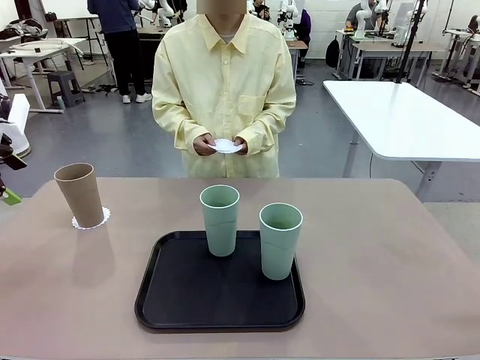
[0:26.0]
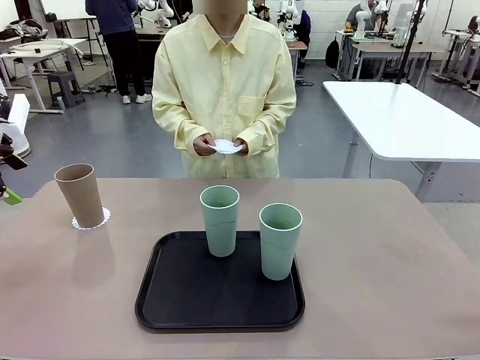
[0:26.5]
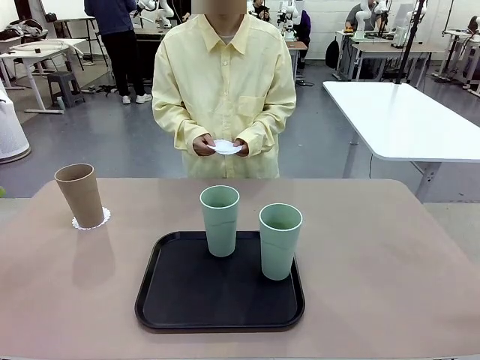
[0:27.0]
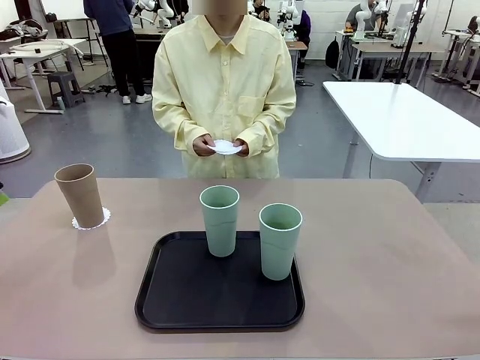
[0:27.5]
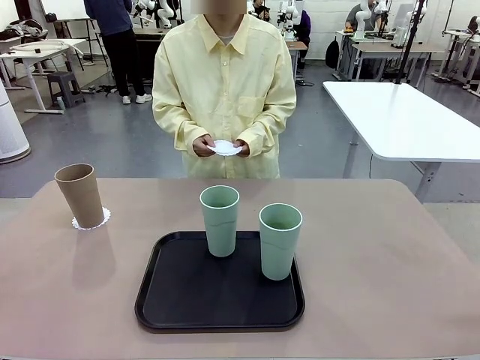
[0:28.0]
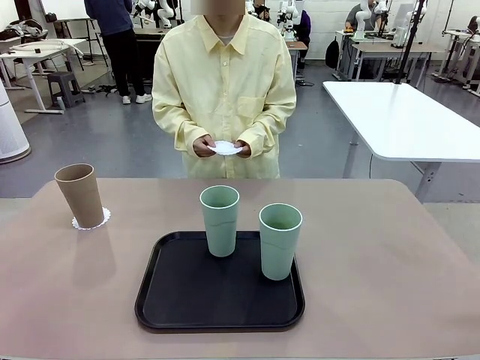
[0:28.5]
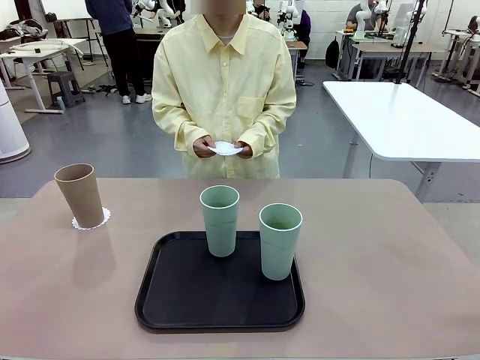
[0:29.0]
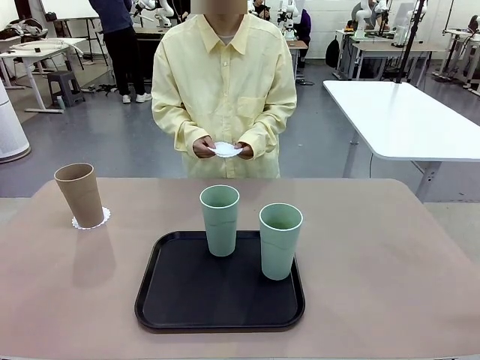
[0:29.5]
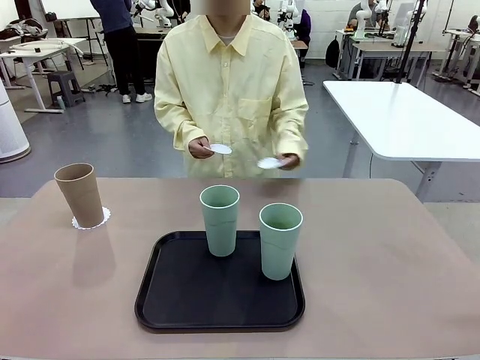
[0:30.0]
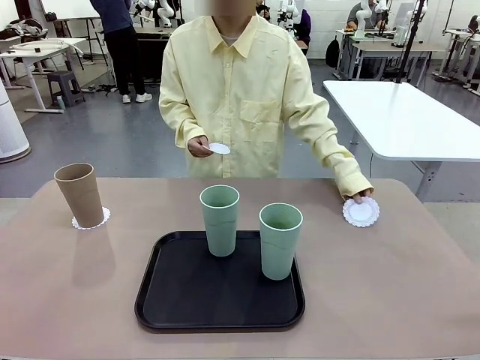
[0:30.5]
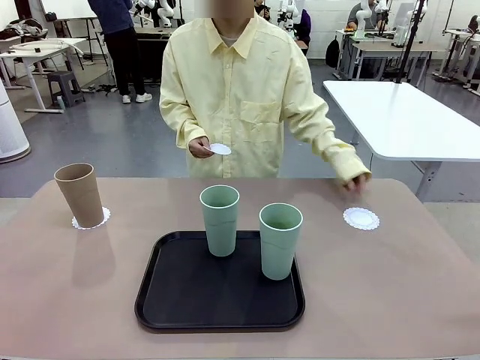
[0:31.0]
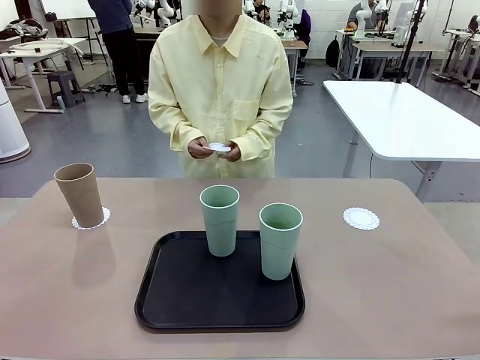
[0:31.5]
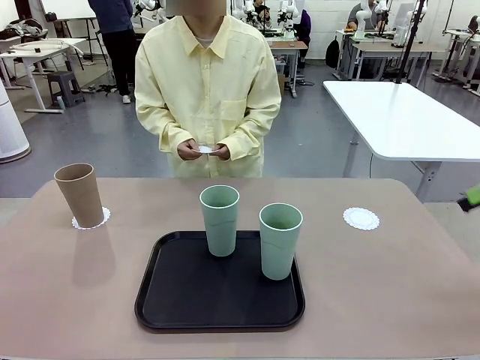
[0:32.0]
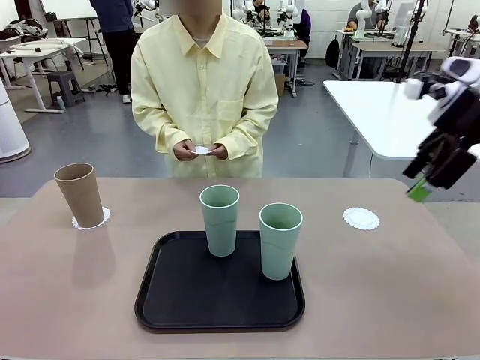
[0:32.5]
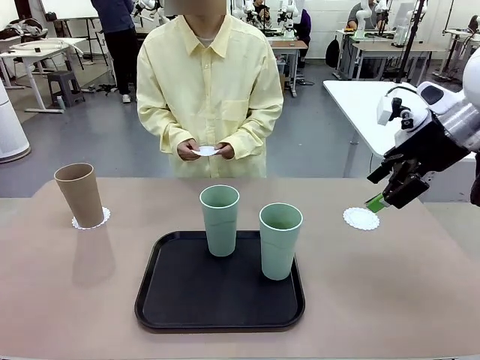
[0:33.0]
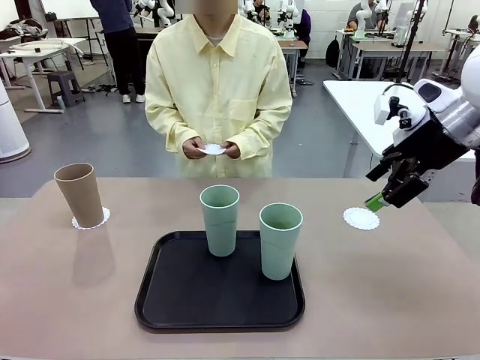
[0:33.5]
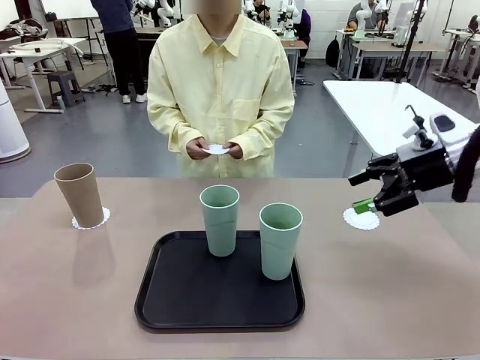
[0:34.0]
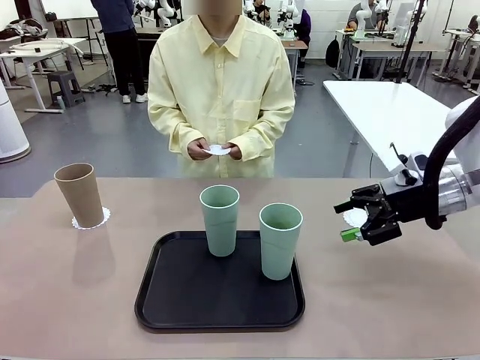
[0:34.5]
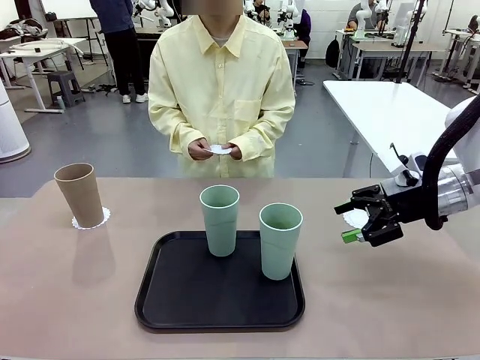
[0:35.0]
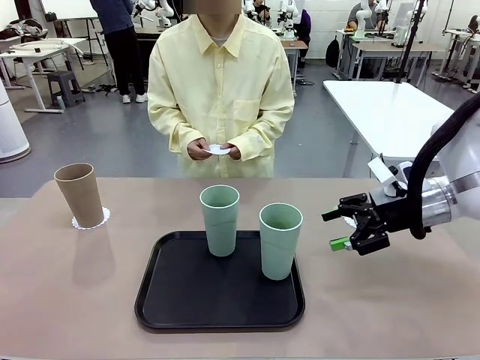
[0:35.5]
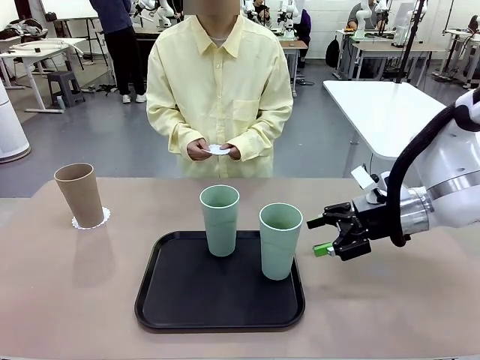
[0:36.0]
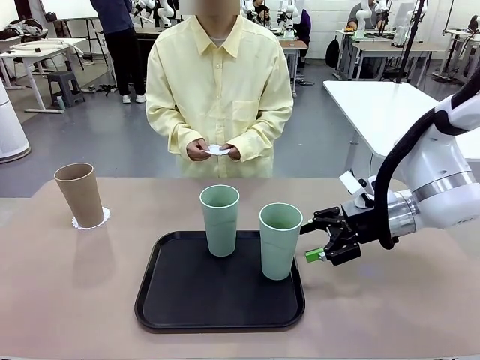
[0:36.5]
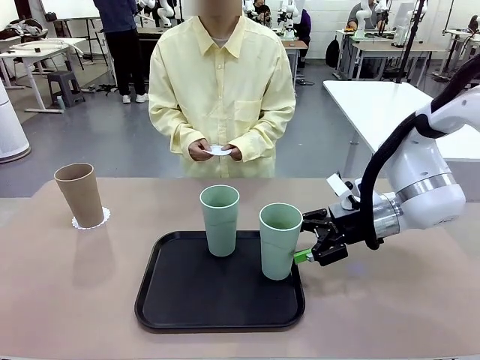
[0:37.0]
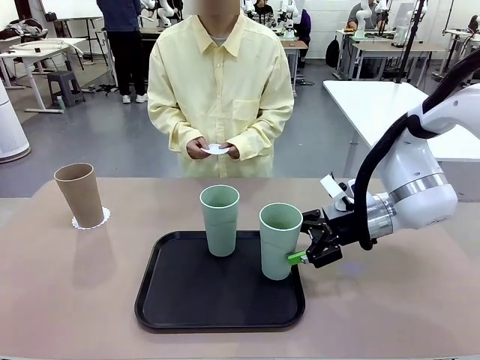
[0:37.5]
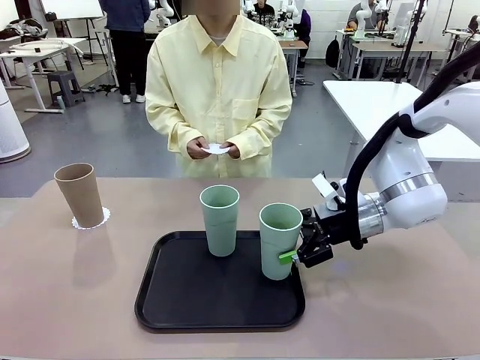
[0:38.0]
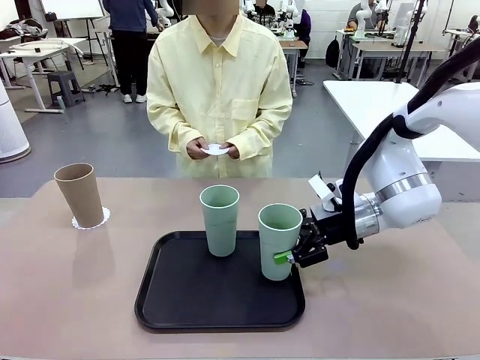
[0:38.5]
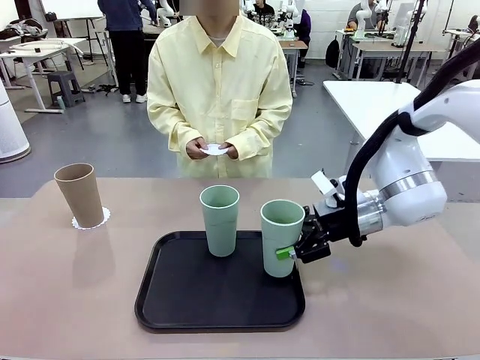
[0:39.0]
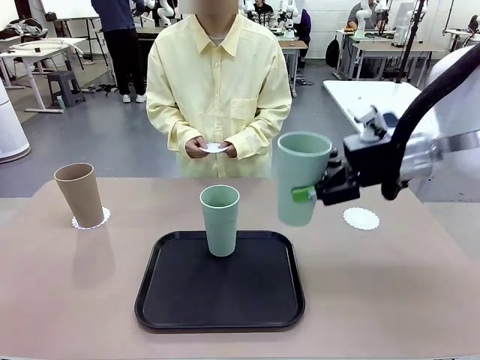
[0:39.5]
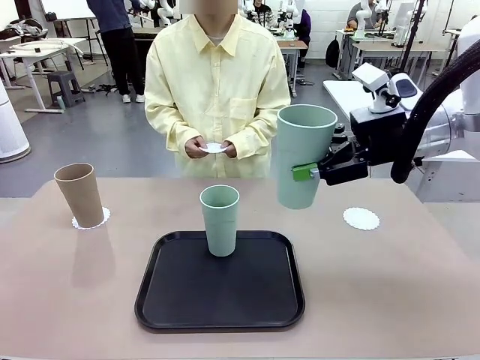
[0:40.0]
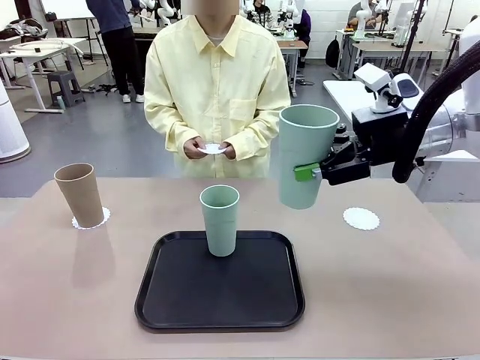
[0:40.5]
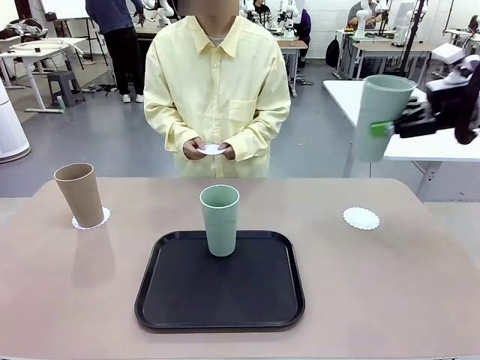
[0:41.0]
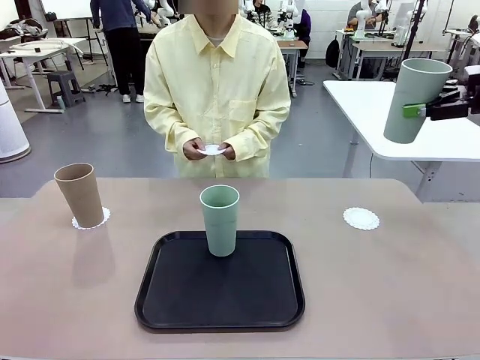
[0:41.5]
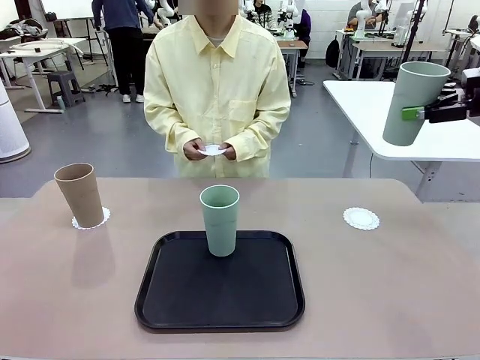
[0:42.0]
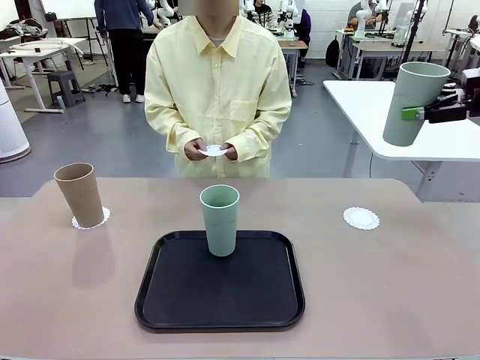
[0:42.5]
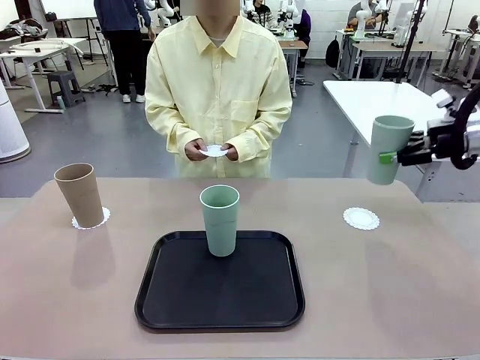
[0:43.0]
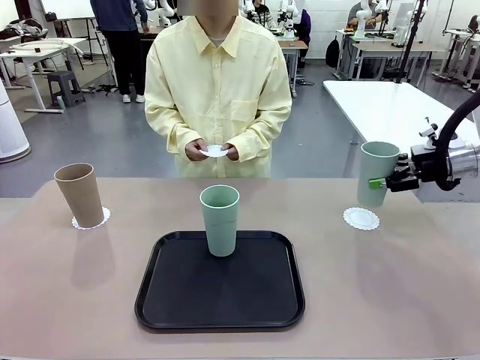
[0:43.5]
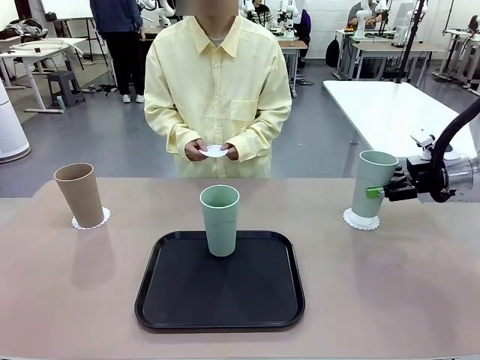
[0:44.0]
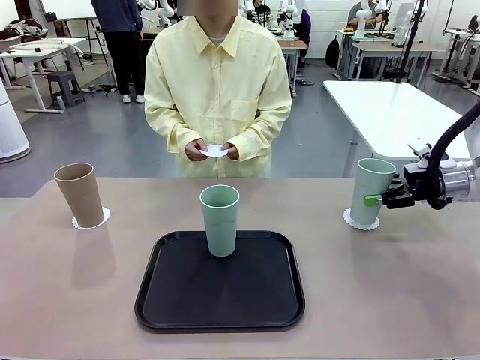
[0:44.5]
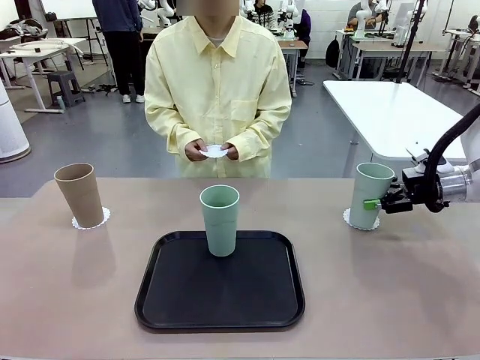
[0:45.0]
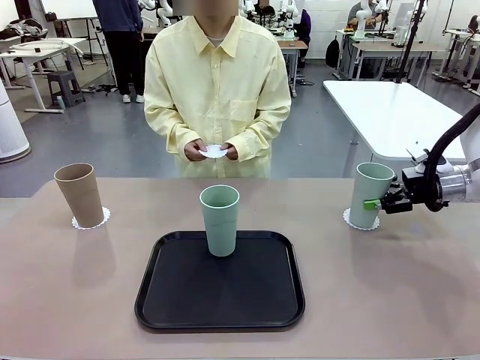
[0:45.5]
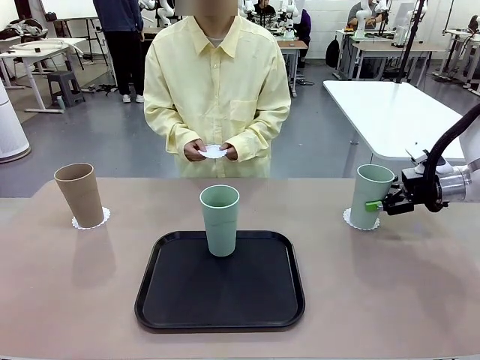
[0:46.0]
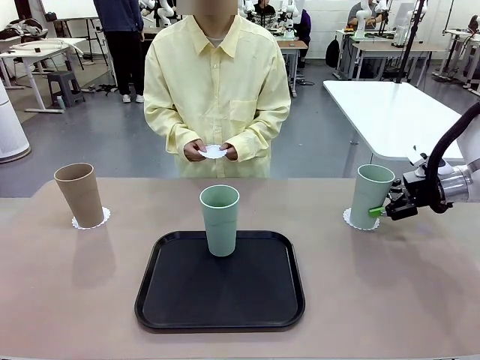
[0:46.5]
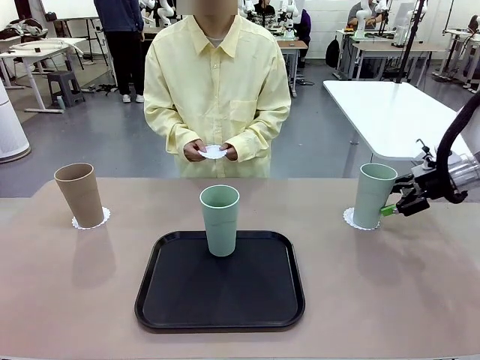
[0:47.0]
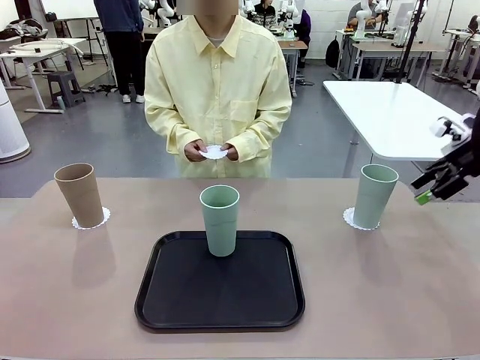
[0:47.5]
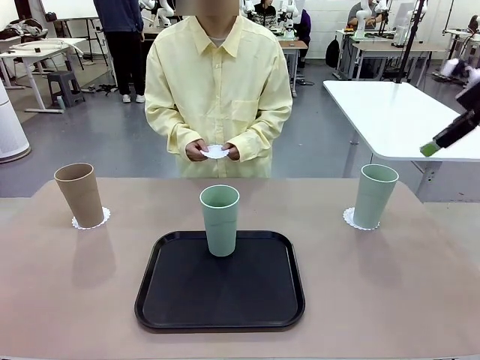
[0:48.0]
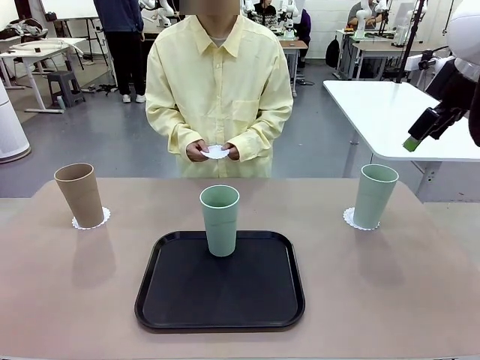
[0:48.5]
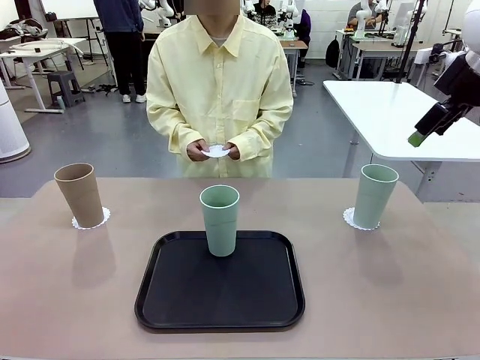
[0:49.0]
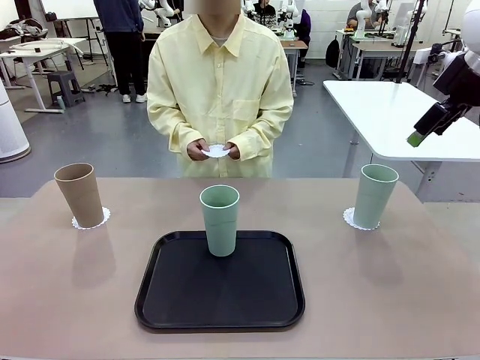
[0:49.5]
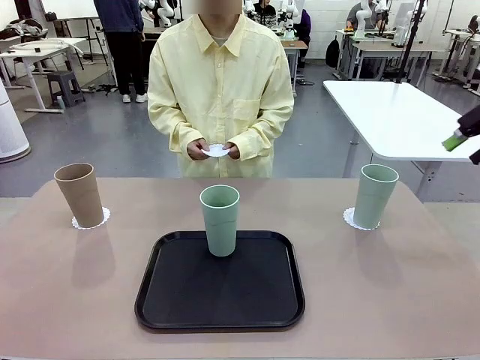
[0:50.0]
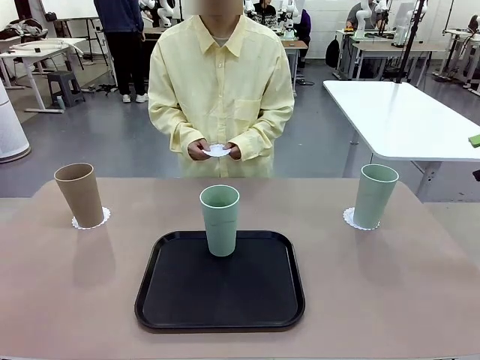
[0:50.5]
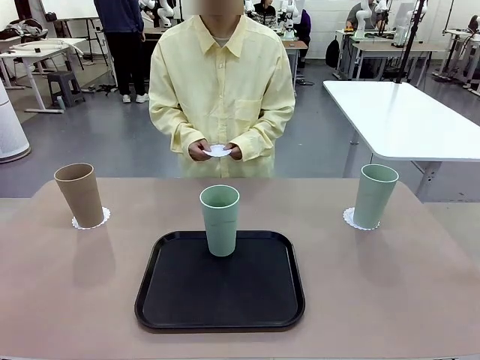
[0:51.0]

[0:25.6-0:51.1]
Task: Place coasters on the table and set cups on them.
Robot: Take one Reusable plastic cup from the Flat Tray and place it on a coaster set by the human.
